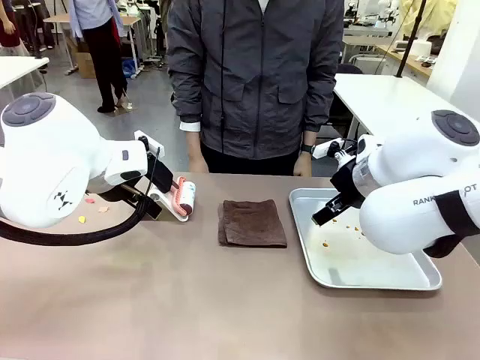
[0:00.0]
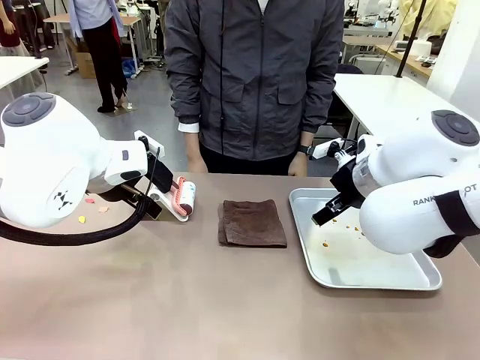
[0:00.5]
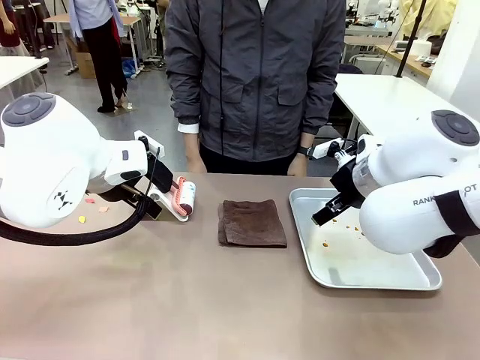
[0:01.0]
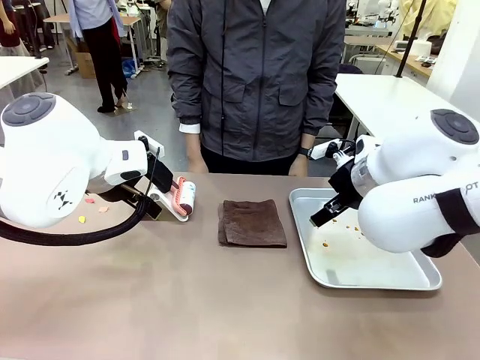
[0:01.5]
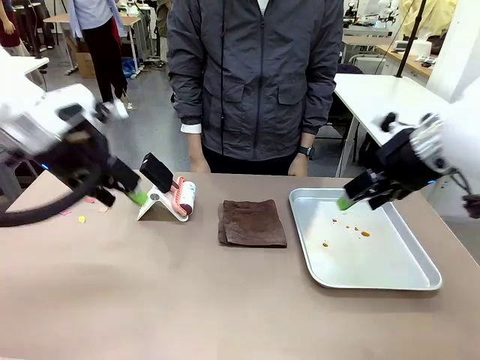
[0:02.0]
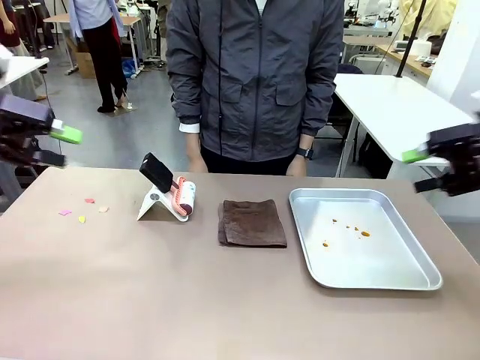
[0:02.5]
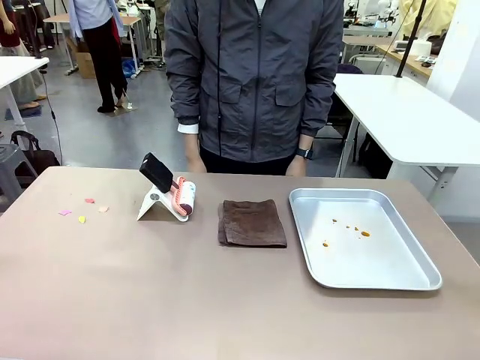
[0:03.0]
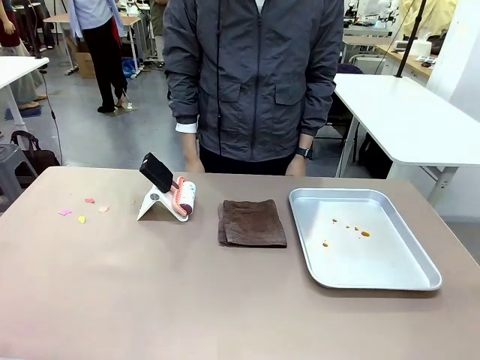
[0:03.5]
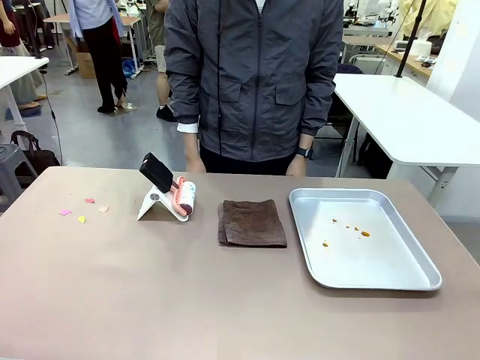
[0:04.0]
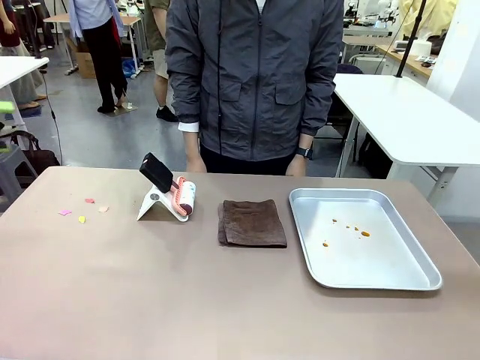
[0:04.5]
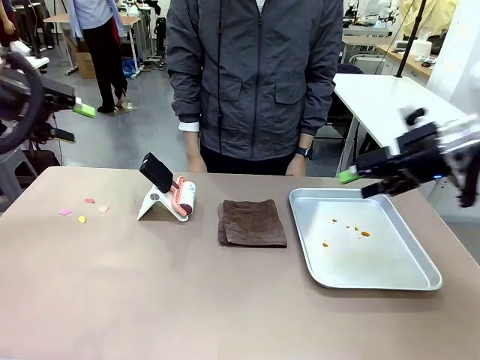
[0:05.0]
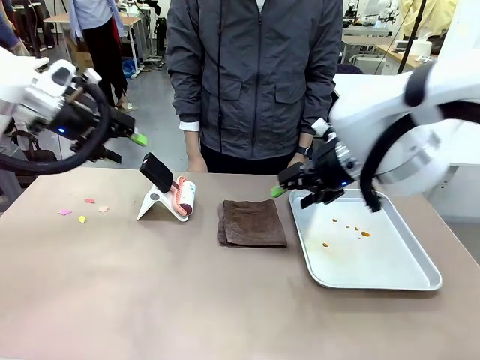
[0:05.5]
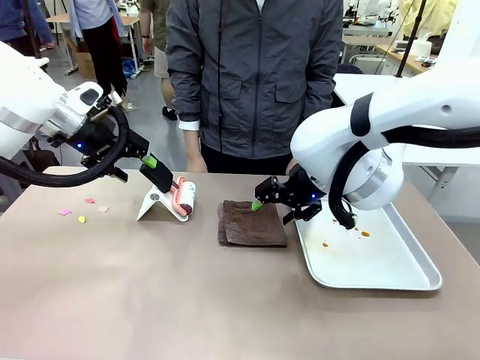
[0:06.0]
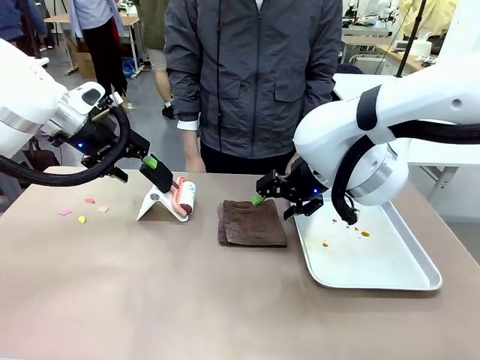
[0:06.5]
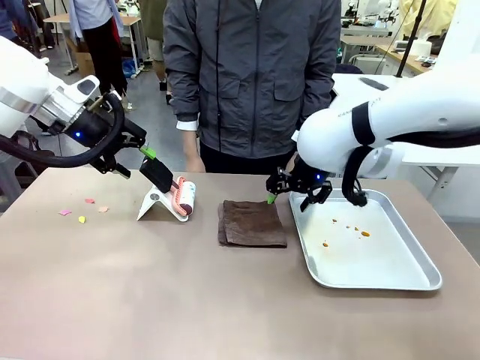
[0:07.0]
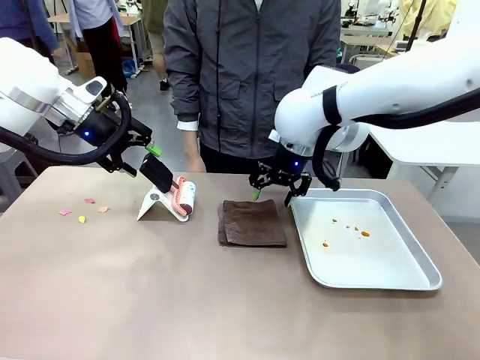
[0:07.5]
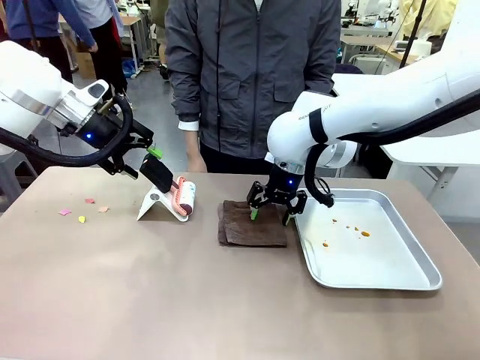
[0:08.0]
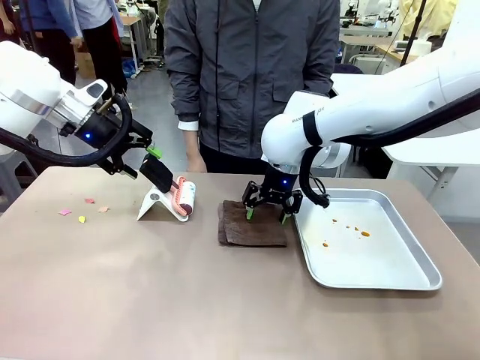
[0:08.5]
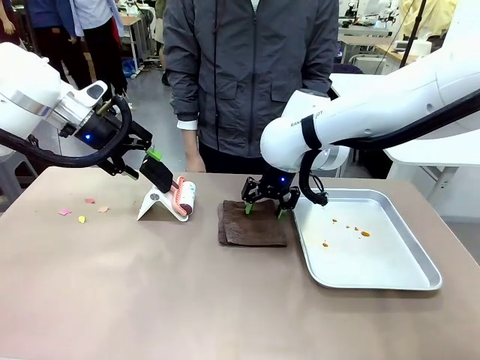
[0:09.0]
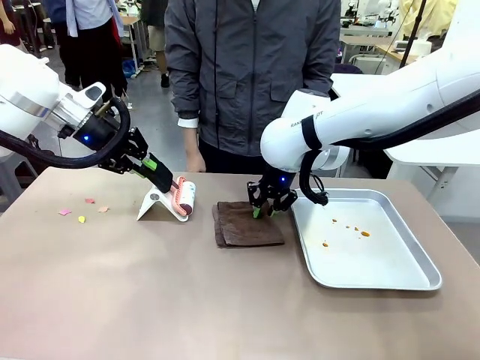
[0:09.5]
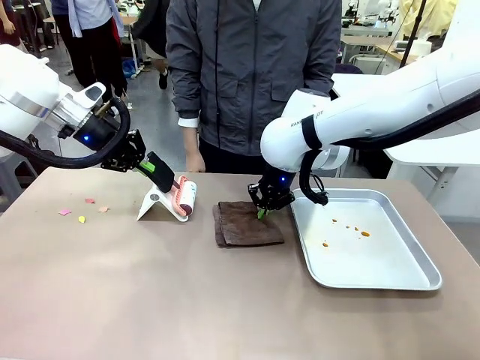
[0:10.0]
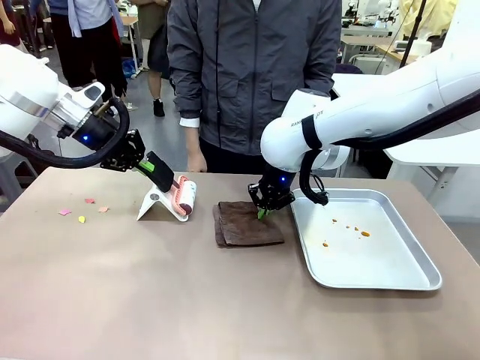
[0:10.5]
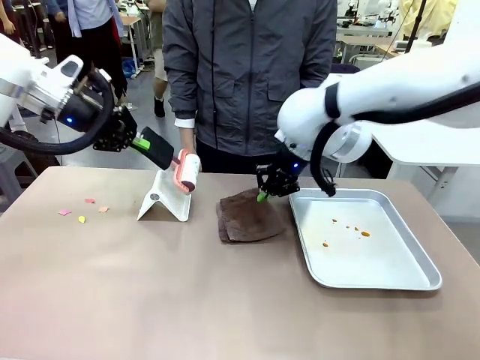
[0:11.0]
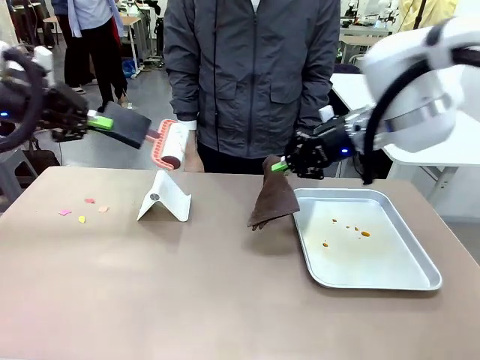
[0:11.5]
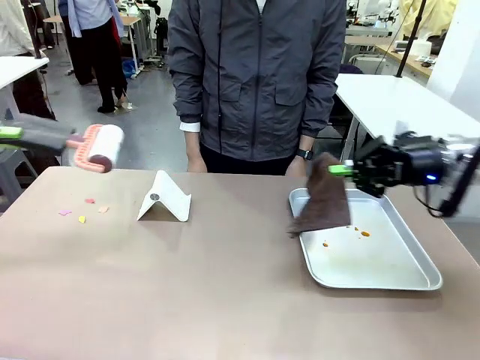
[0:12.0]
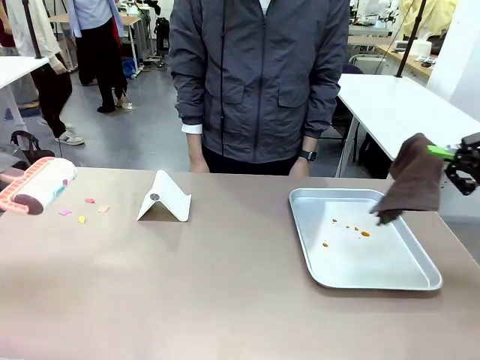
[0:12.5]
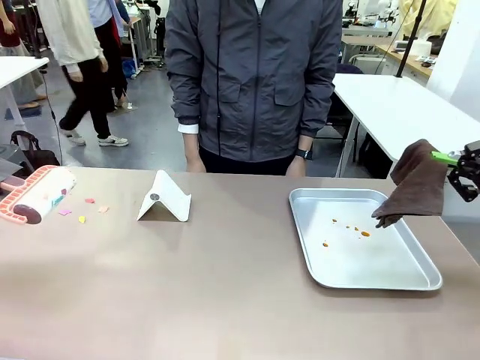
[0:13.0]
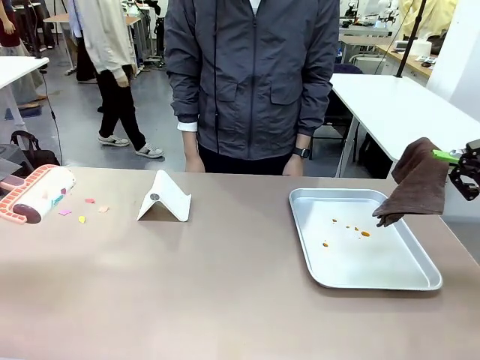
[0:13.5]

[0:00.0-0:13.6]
Task: Clean the surface of the table.
Robot: Hold the Lint Roller with your left hand and the towel with your right hand.

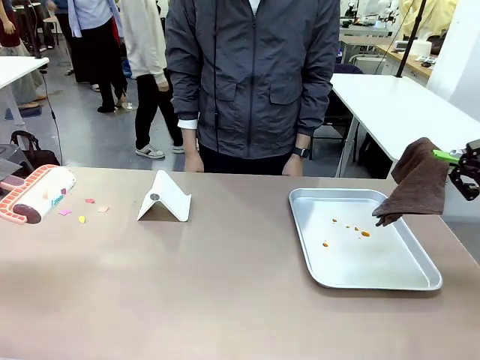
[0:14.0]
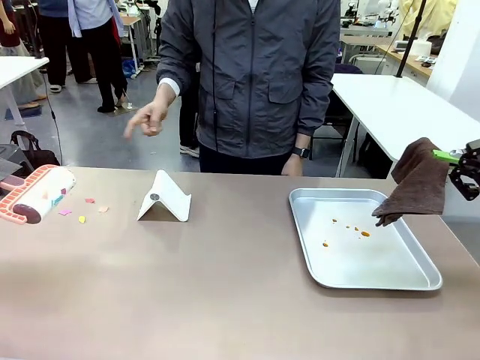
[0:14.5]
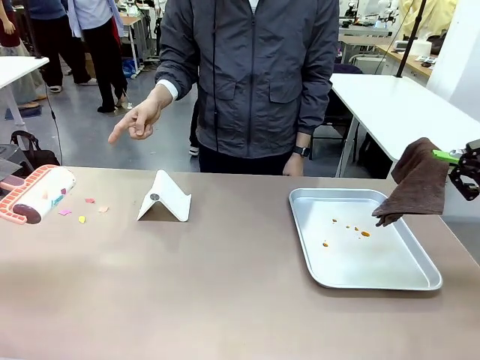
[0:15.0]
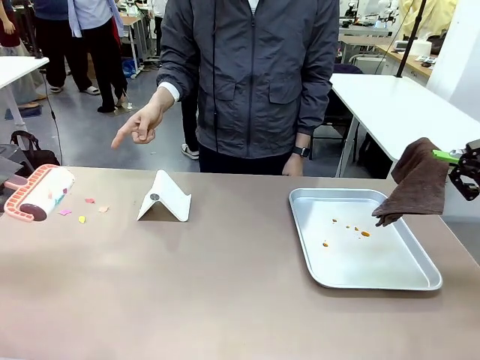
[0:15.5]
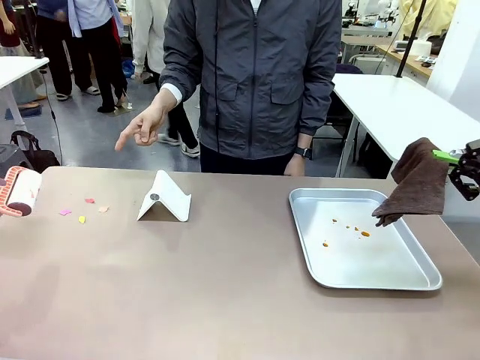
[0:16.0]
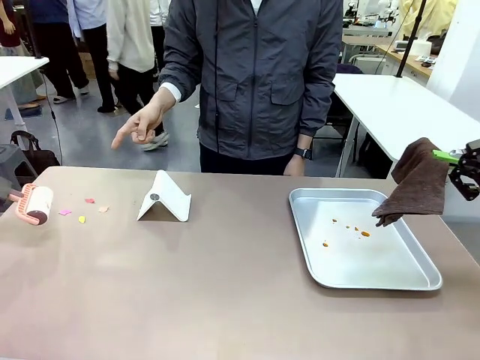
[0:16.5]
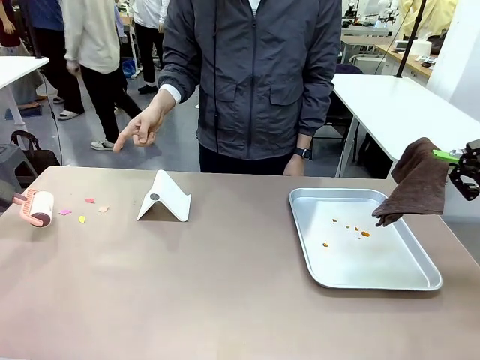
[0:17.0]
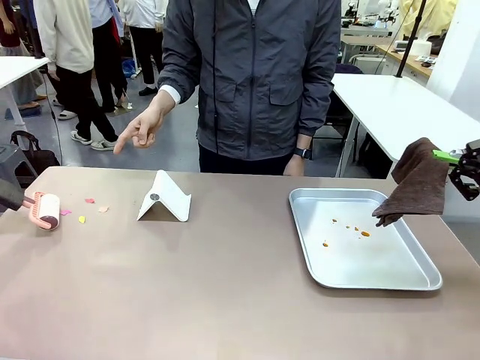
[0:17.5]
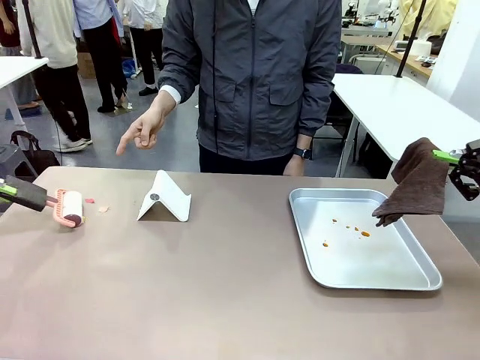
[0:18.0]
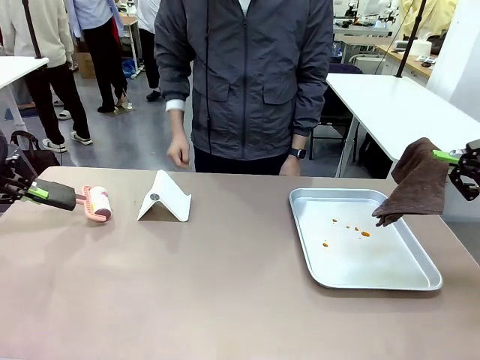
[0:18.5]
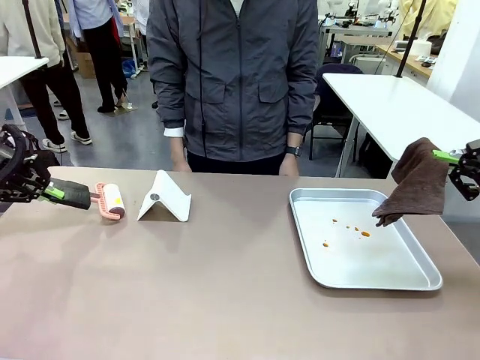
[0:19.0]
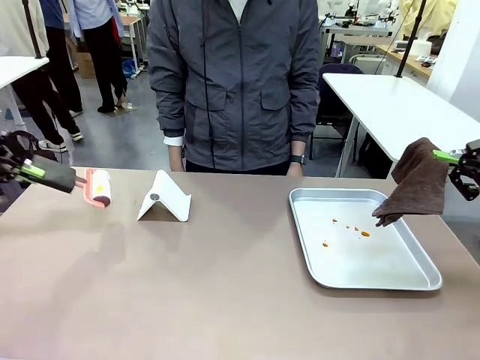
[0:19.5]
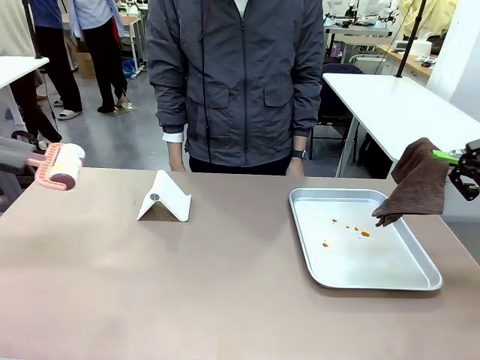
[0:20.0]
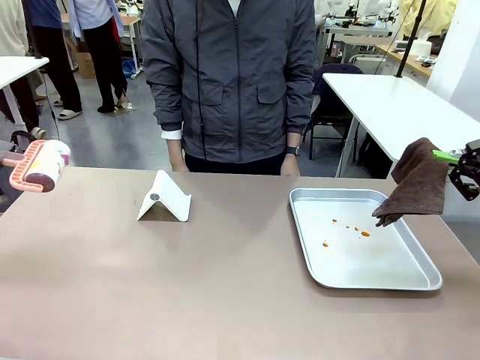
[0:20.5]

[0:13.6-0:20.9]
Robot: If a person points to the right, clean the right side of the table with your right hand, and if they point to the left, clean the left side with your left hand.
